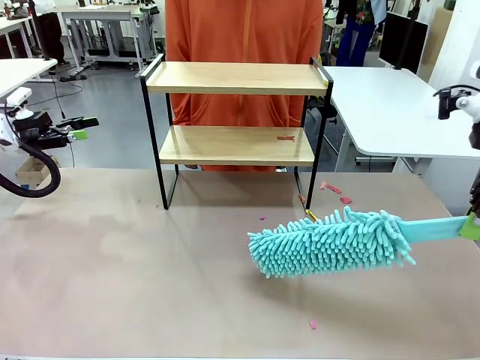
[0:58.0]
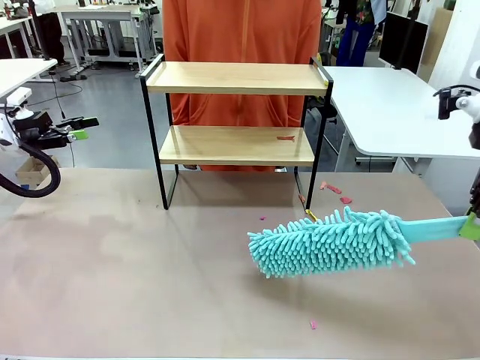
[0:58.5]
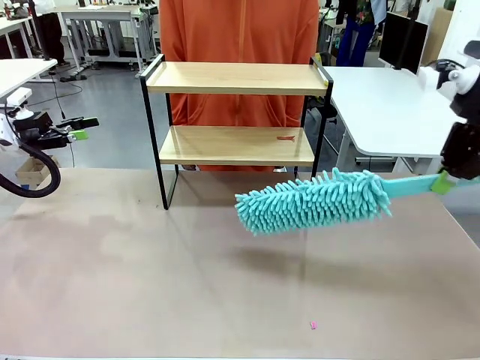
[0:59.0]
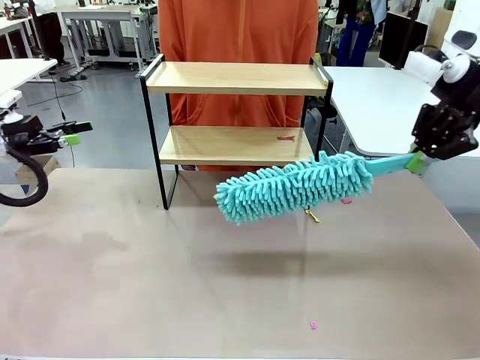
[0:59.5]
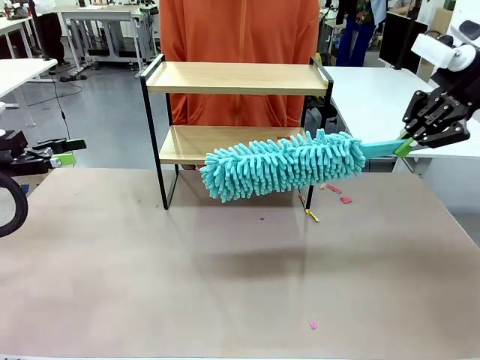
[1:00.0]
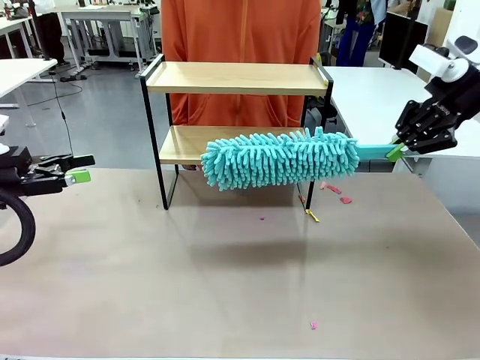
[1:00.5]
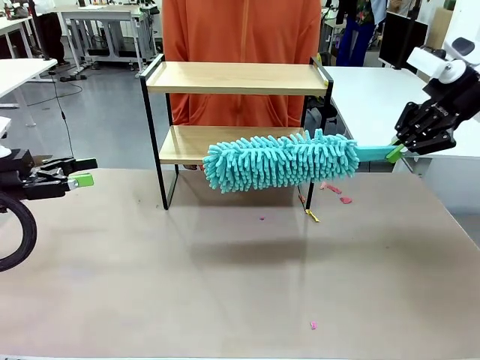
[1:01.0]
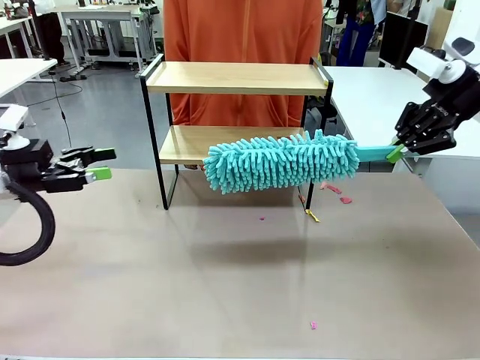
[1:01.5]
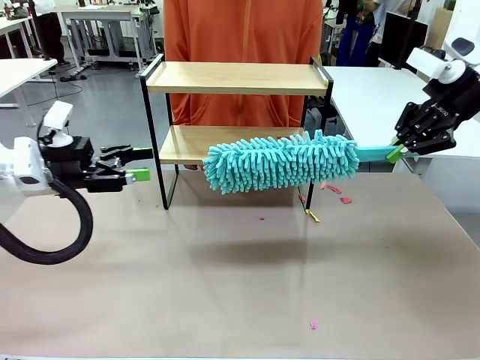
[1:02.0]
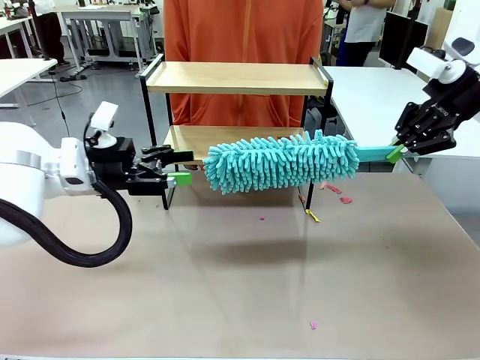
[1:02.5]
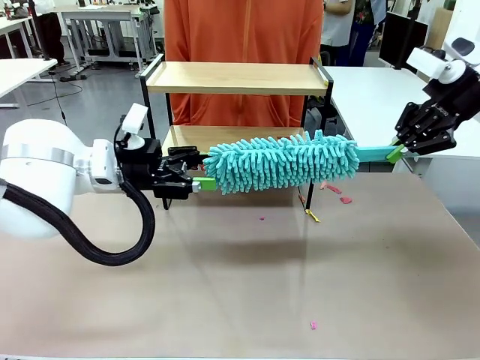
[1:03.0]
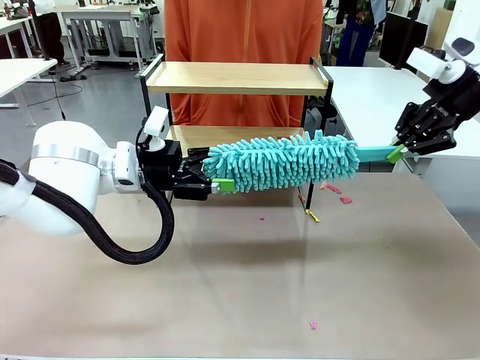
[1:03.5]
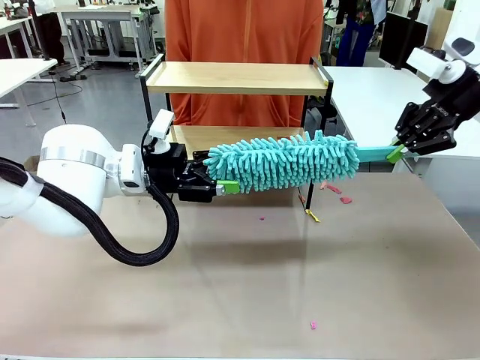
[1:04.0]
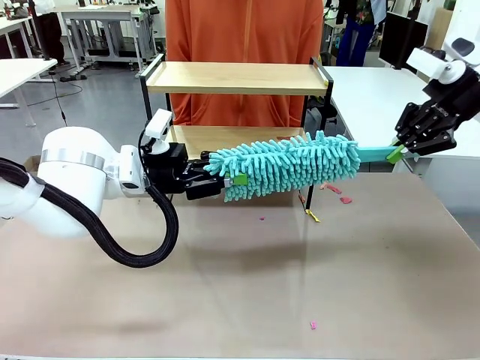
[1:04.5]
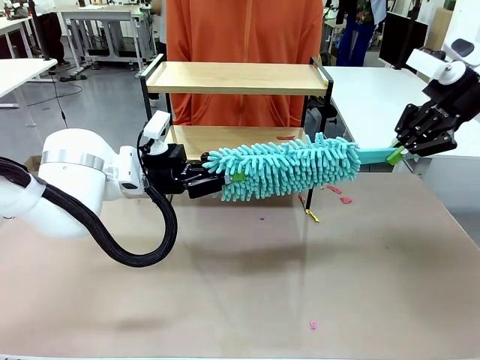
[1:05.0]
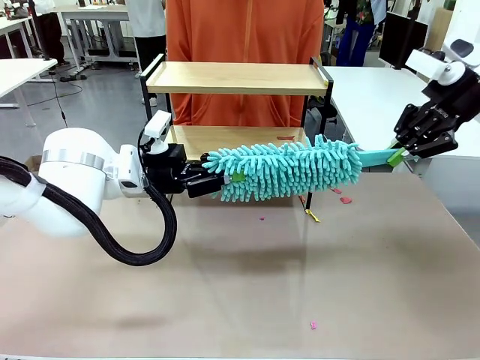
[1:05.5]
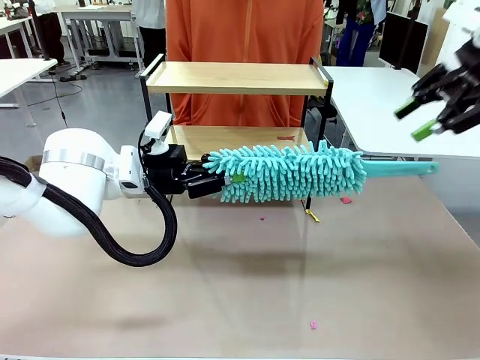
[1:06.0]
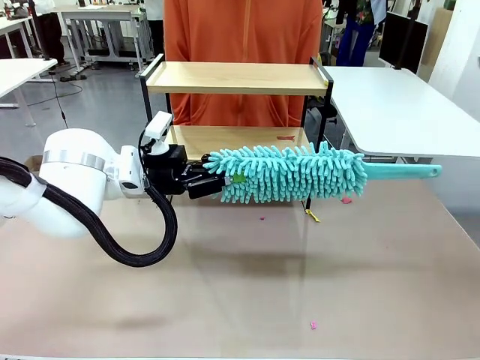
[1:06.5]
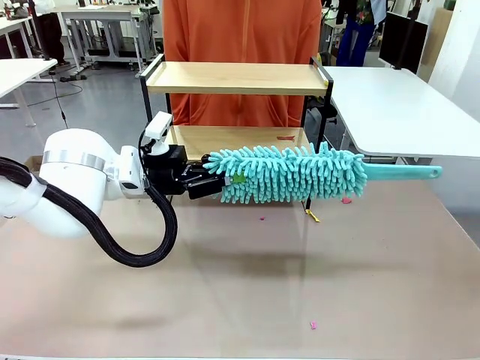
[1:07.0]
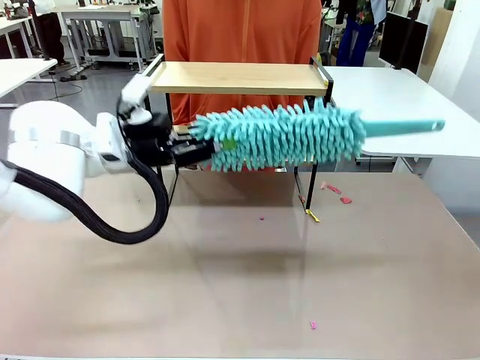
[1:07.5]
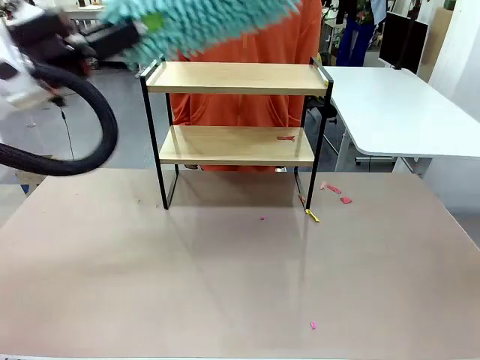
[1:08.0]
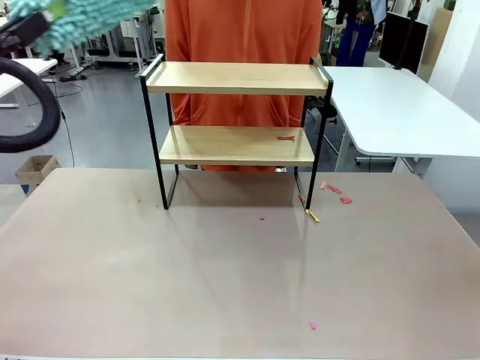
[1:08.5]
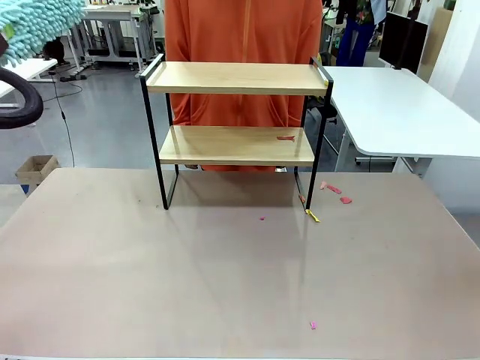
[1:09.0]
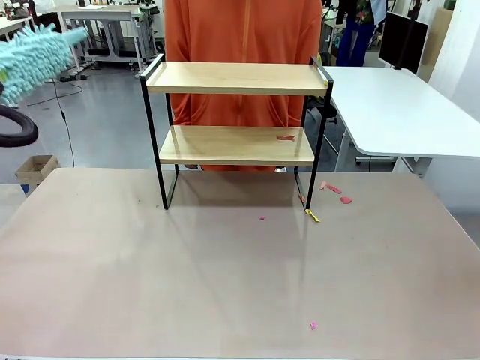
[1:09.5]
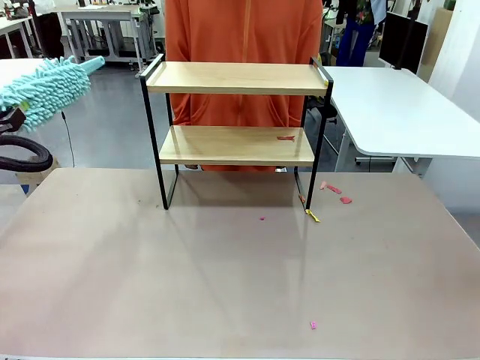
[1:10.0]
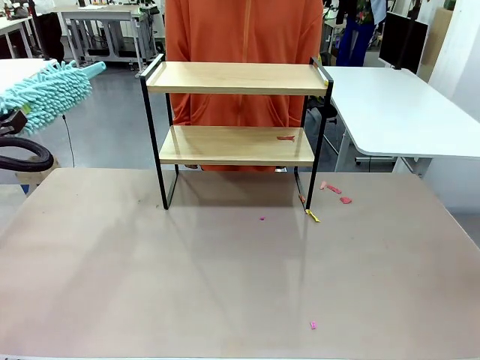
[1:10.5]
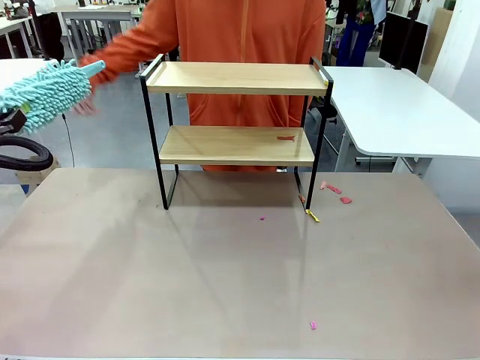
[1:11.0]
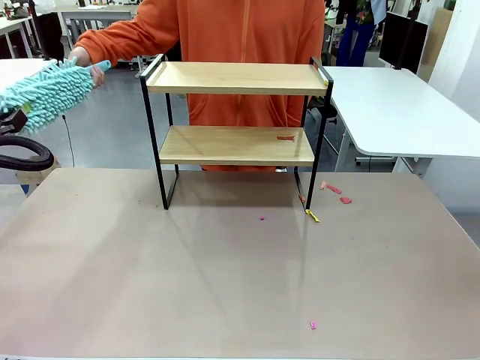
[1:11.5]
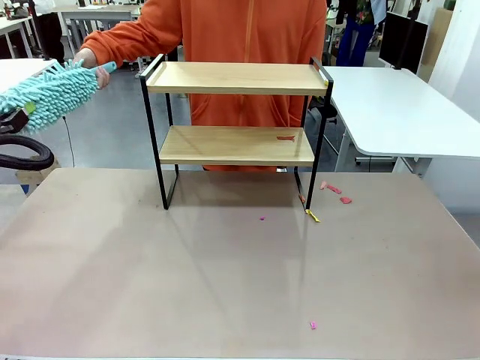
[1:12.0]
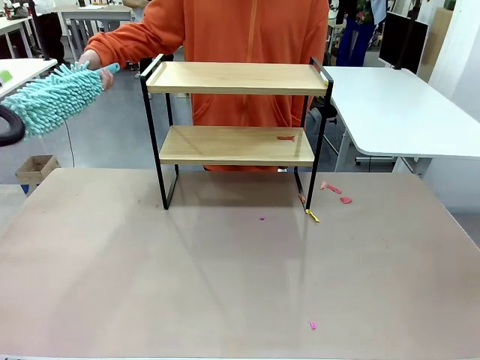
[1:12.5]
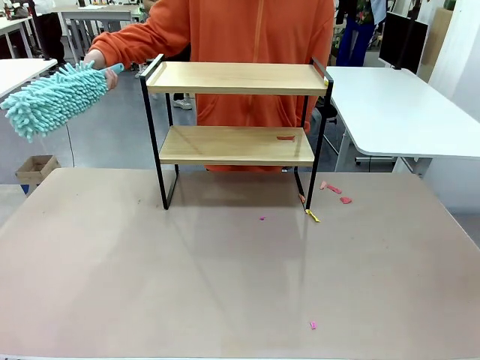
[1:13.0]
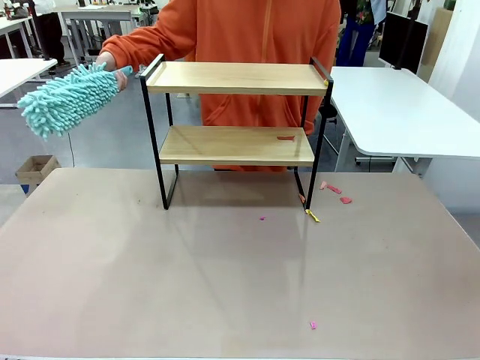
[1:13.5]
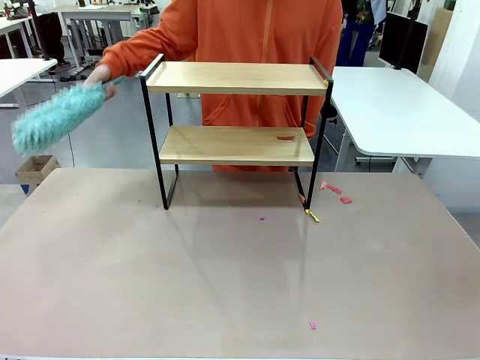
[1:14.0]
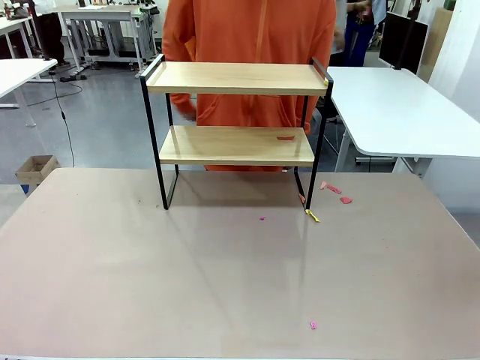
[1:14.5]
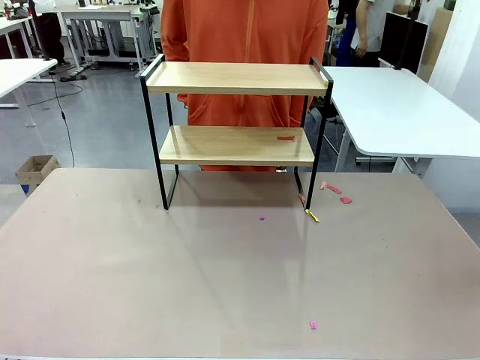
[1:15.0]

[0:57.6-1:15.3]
Task: Clean the shelf.
Robot: Hand the Duster back to the human.
Person: Receive the Duster from the robot.
